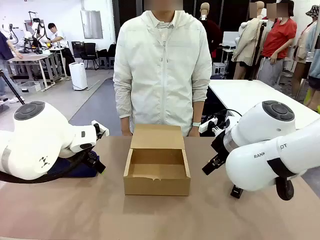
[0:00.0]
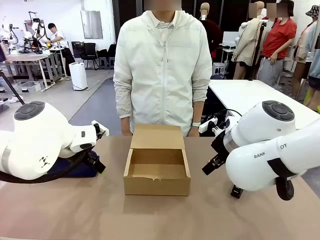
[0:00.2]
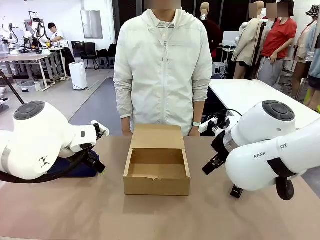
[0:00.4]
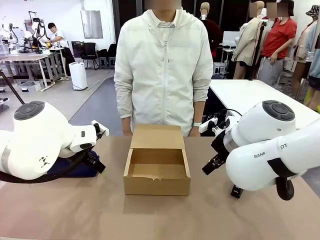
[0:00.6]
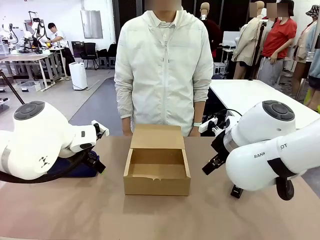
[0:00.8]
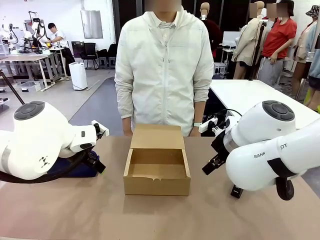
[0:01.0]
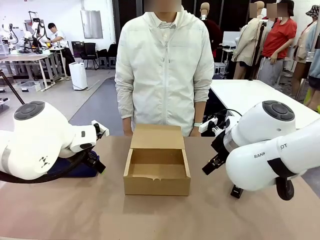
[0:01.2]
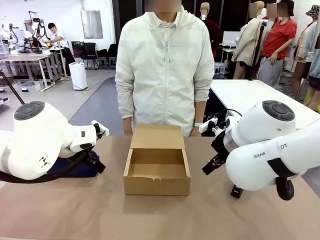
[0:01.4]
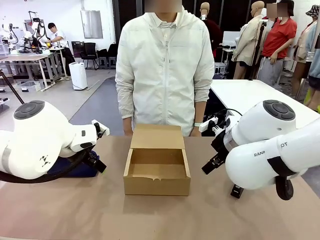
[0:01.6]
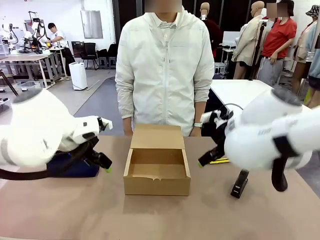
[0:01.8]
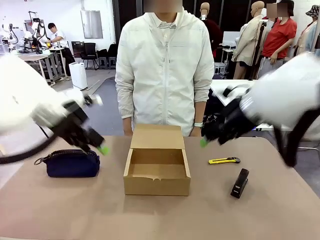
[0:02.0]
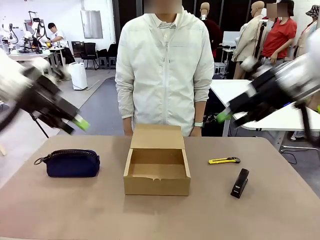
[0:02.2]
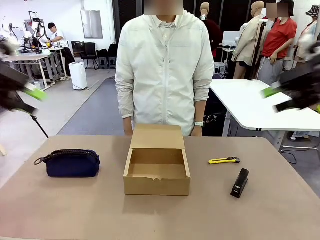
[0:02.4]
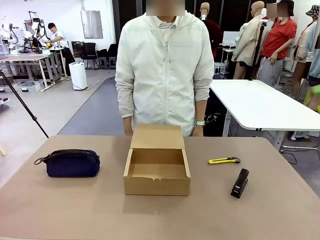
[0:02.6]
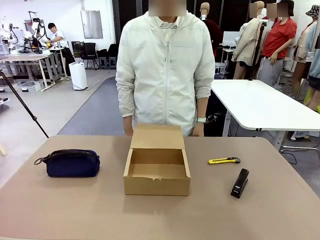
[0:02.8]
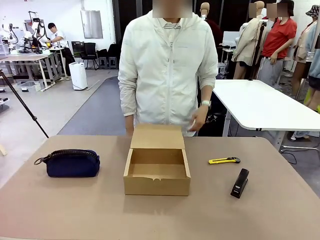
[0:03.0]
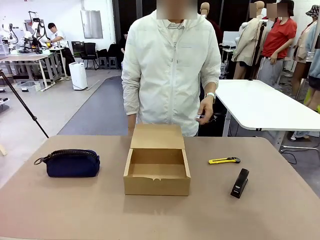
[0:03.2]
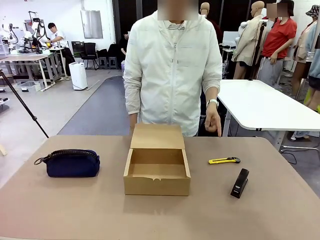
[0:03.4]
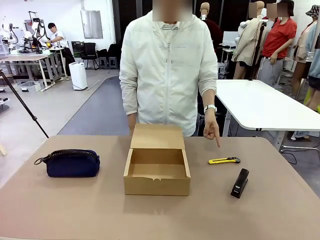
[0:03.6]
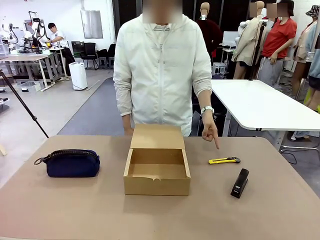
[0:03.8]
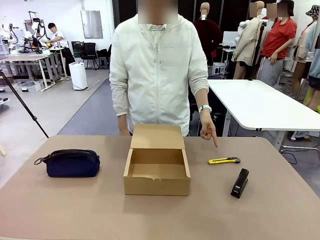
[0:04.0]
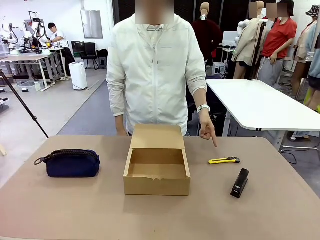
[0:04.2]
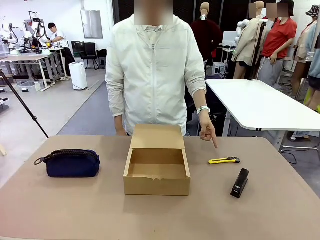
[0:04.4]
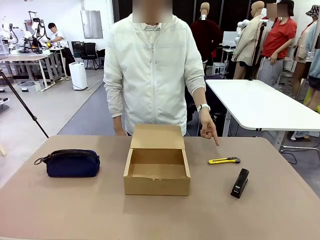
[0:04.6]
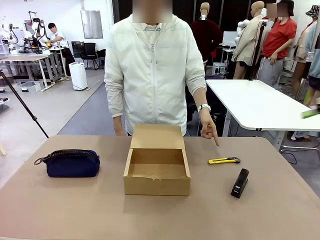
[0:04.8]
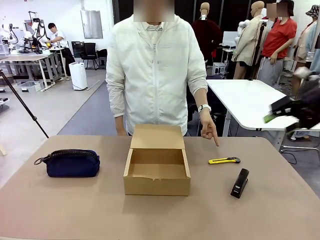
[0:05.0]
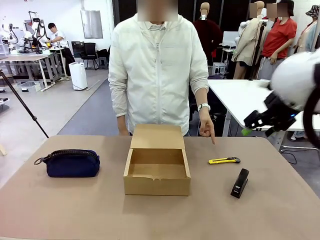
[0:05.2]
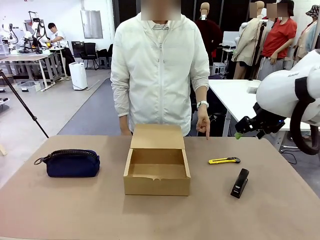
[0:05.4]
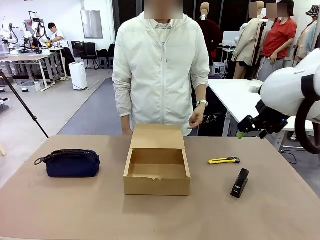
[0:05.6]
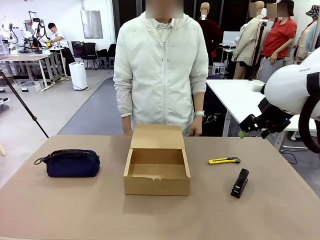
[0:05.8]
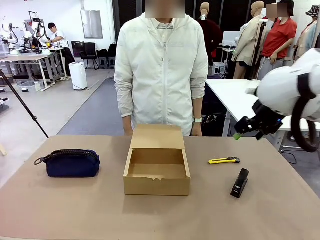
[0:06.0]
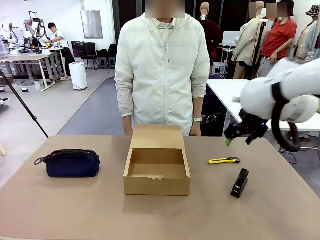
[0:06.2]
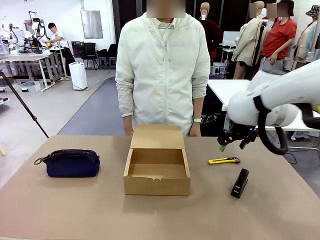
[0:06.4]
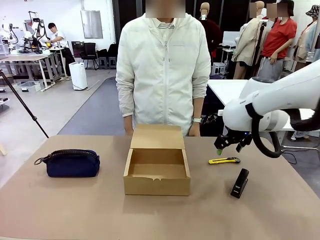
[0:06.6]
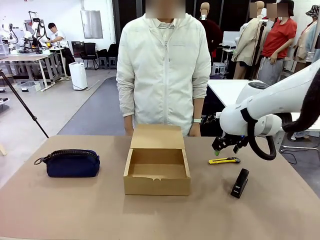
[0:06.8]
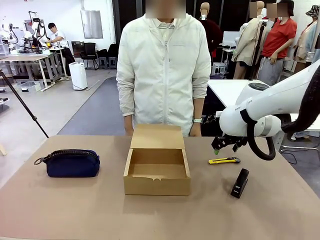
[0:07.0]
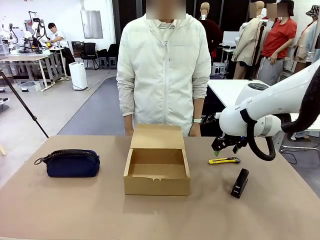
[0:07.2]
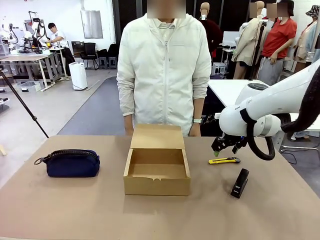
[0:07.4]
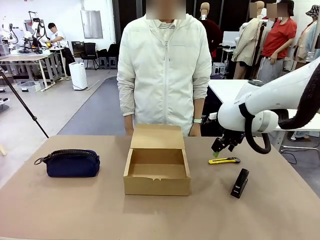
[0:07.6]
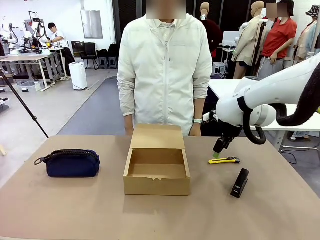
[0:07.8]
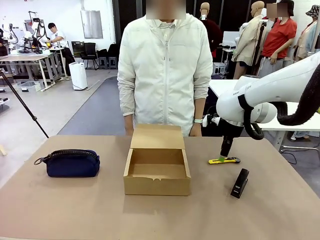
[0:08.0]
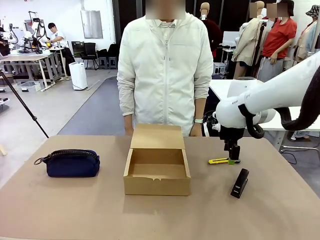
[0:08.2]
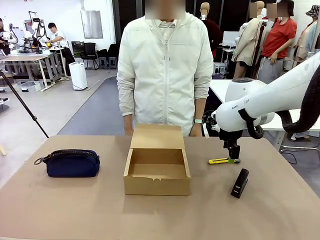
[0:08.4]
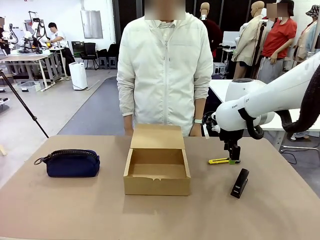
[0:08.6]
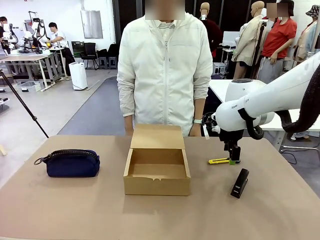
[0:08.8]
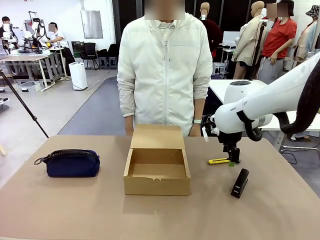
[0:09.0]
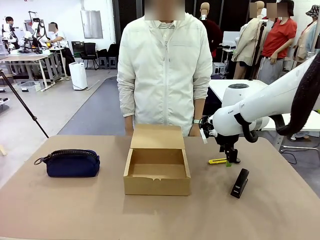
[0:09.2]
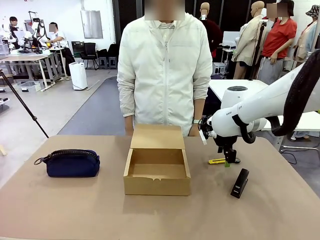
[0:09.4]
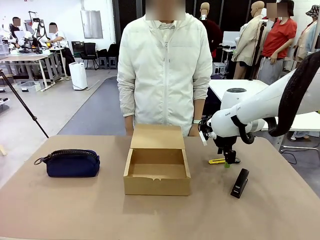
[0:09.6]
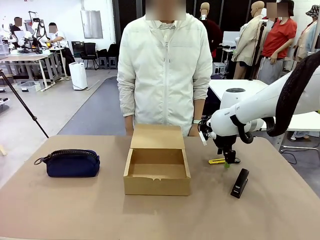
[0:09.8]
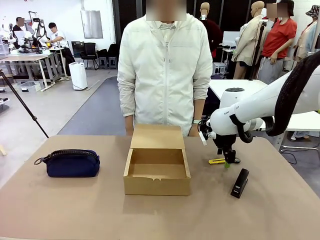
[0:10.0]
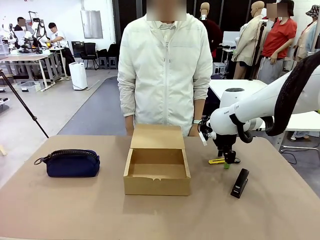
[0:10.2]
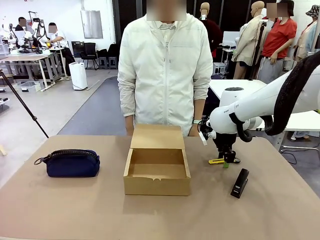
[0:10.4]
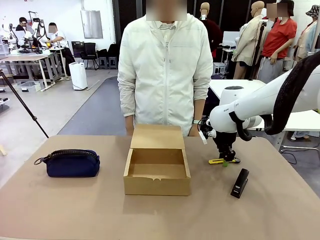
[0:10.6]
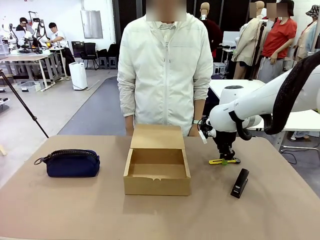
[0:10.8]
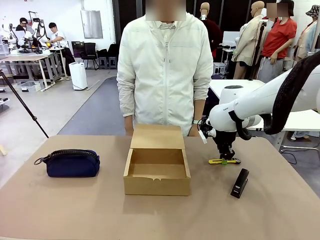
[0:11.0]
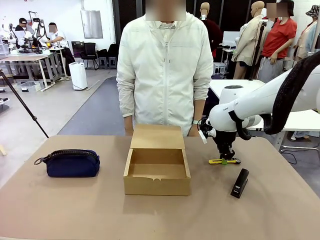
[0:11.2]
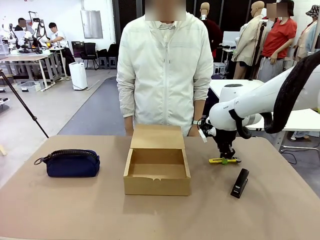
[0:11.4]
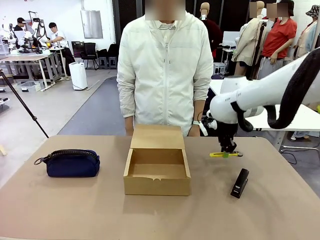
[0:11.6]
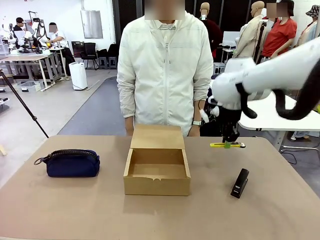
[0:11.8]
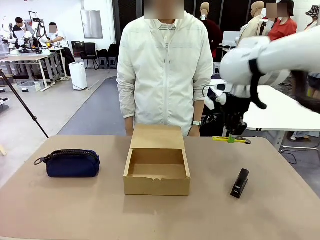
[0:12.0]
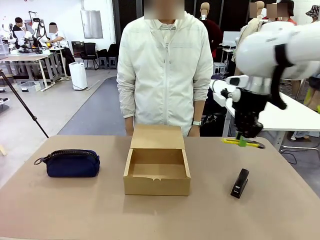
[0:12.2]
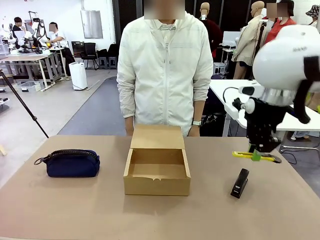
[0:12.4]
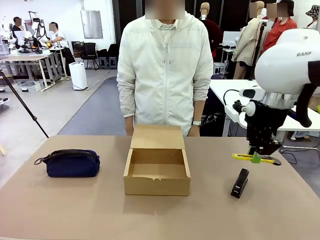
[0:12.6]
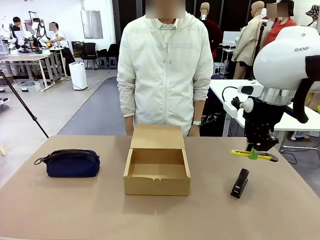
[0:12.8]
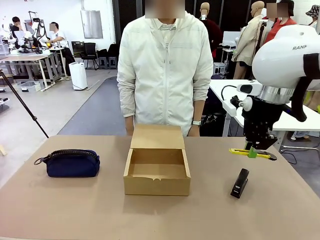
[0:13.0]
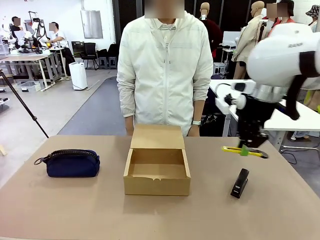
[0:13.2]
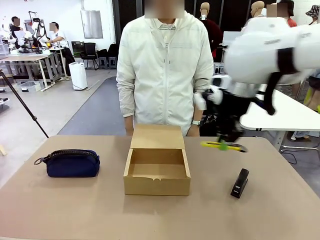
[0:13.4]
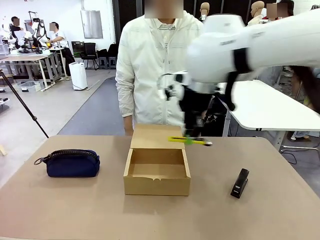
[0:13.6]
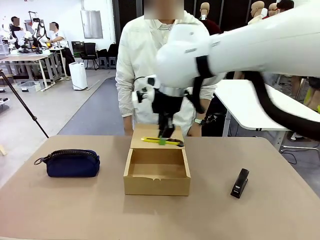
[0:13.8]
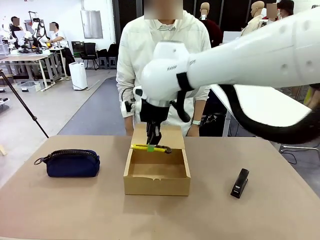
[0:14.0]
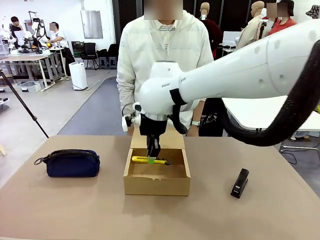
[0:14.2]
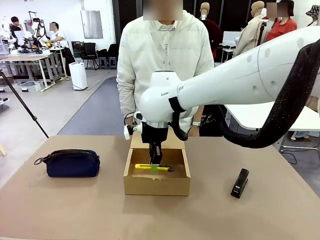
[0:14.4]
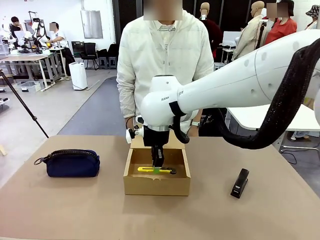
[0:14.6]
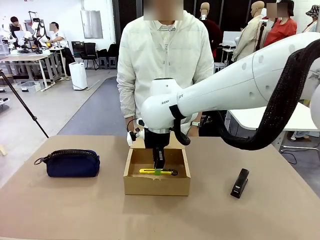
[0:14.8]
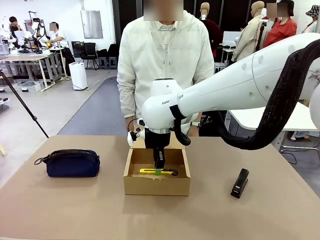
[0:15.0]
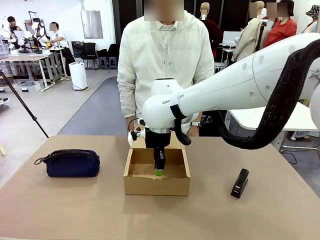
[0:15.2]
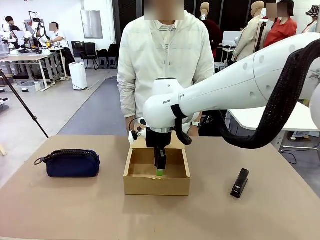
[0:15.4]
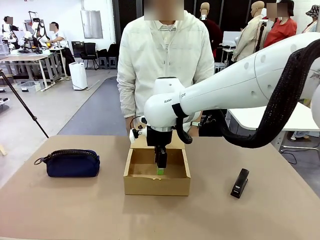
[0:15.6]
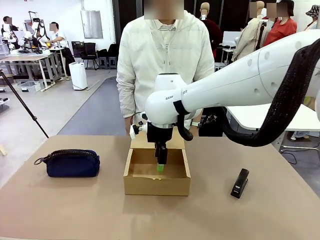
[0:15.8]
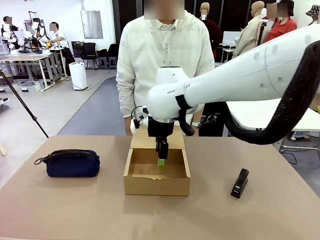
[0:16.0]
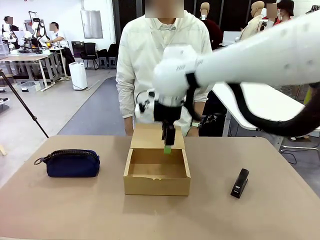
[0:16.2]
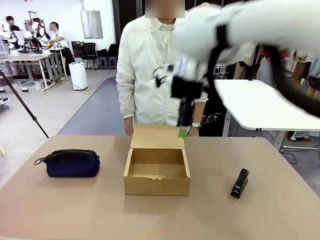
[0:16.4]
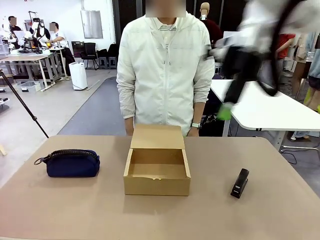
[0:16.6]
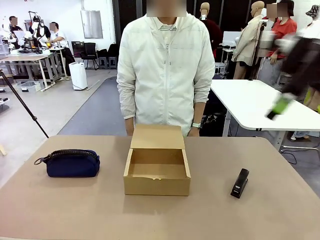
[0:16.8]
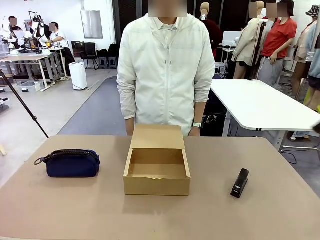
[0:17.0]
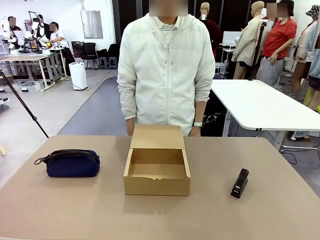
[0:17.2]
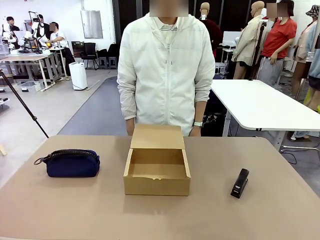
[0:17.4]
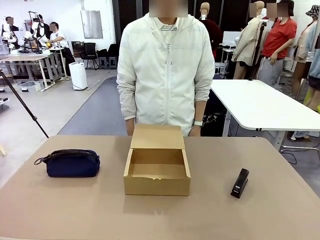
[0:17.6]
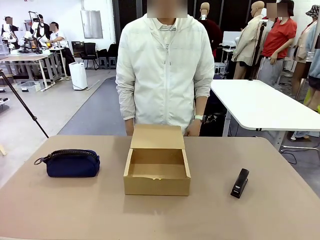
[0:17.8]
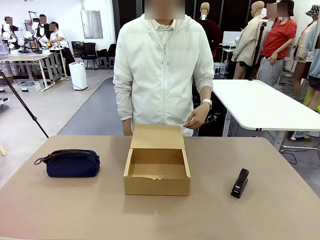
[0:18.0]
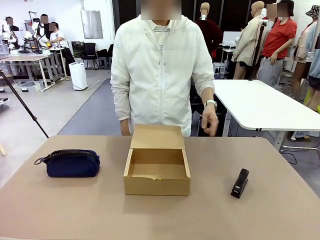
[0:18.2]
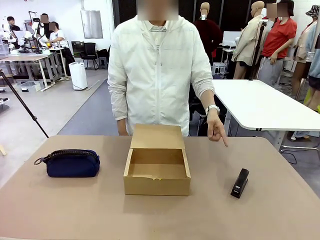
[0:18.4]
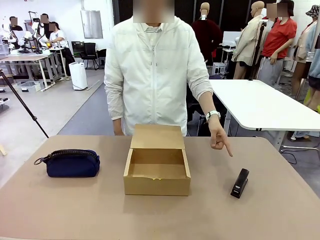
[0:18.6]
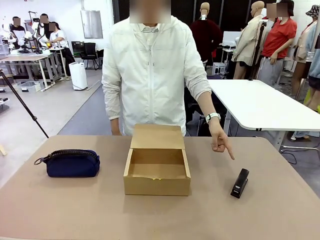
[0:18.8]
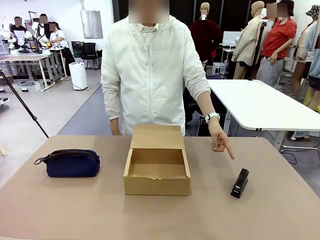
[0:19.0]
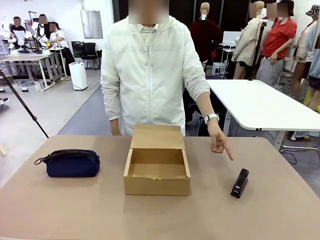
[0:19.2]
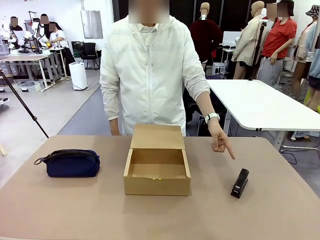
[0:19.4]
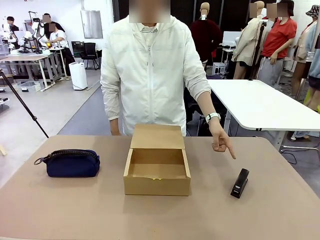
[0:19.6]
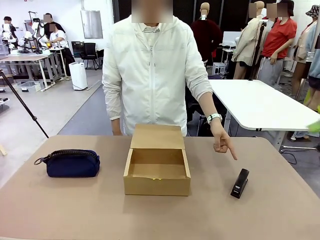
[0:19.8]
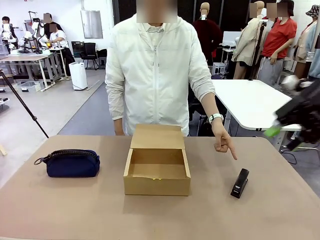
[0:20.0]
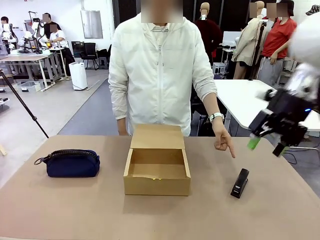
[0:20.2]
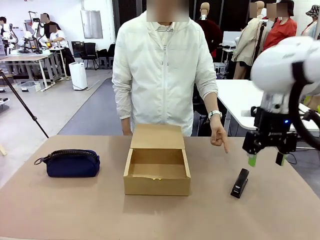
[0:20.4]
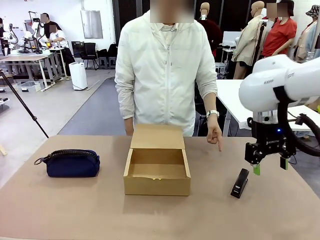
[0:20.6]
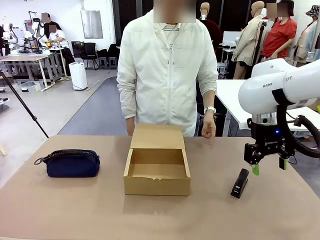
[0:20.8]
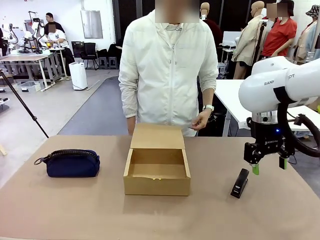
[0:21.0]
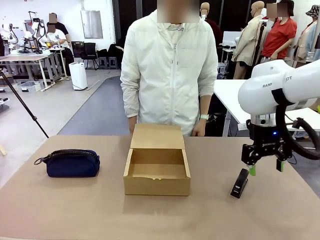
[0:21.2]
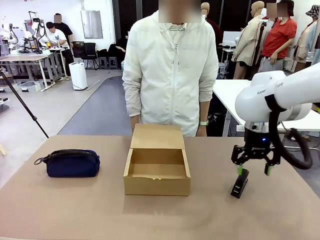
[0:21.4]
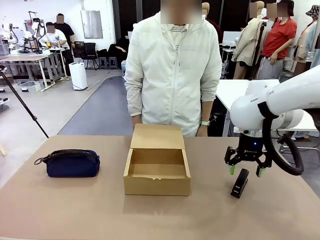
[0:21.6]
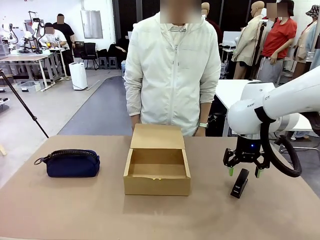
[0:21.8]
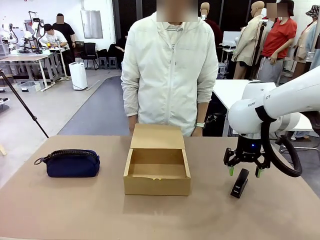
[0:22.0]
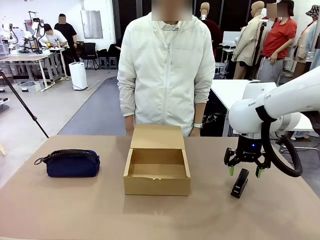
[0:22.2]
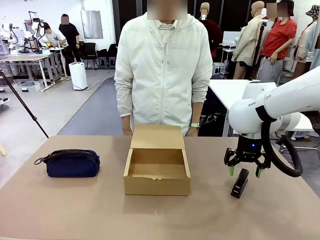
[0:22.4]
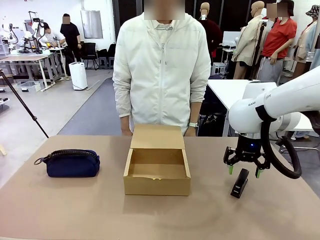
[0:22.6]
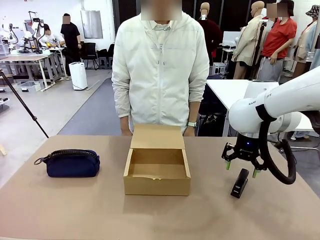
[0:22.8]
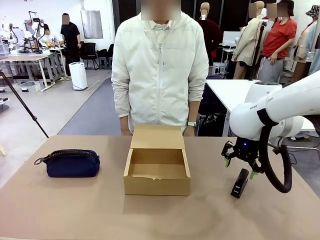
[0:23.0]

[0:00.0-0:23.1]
Task: Pack the items into the box.
Robot: Pick up the item indicated by the person and place it inside the Mailer Box.
Person: Point at one item on the table (excluding the box).
